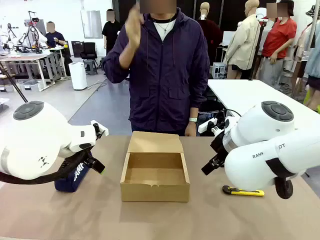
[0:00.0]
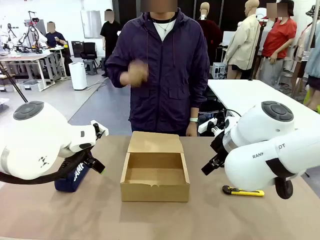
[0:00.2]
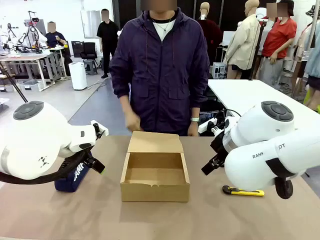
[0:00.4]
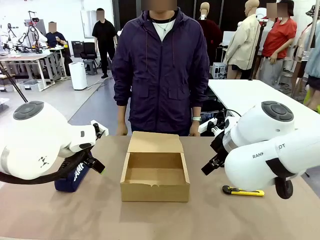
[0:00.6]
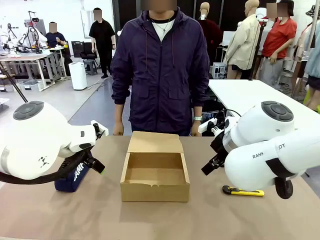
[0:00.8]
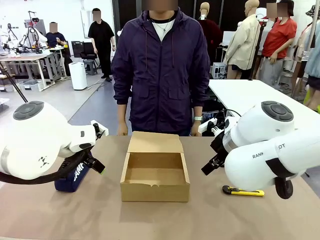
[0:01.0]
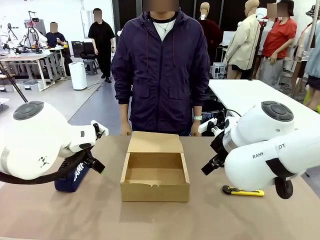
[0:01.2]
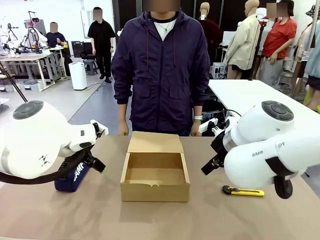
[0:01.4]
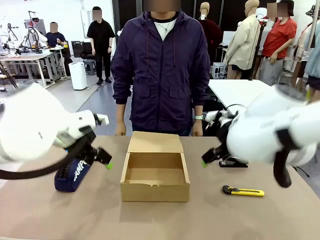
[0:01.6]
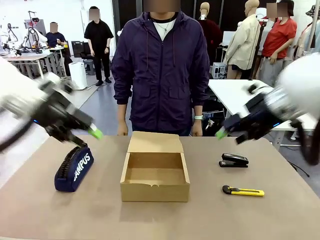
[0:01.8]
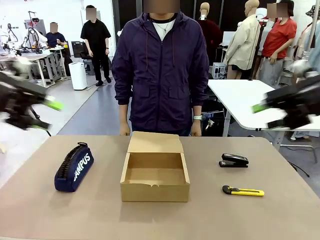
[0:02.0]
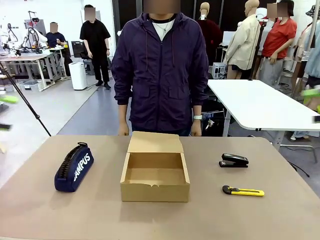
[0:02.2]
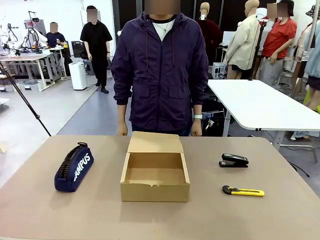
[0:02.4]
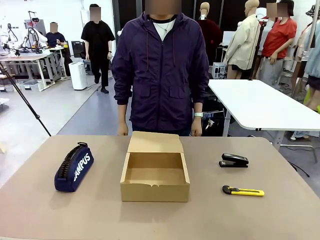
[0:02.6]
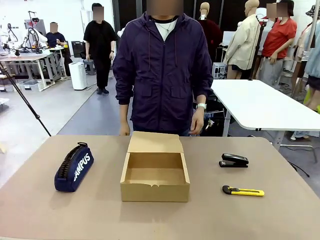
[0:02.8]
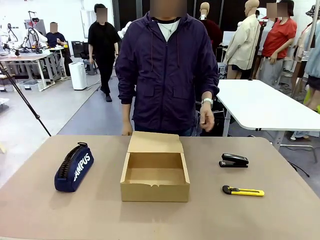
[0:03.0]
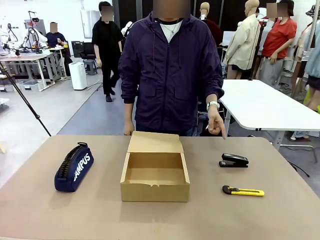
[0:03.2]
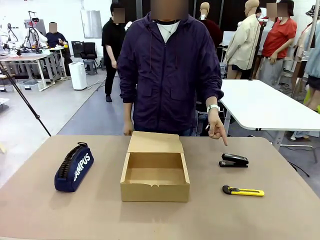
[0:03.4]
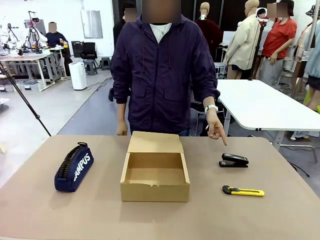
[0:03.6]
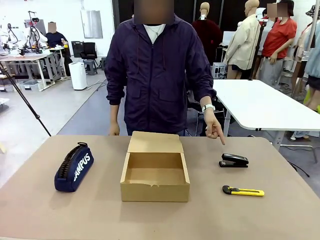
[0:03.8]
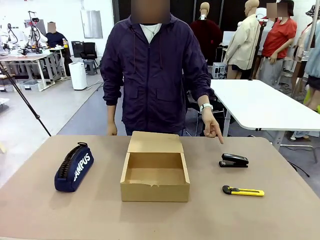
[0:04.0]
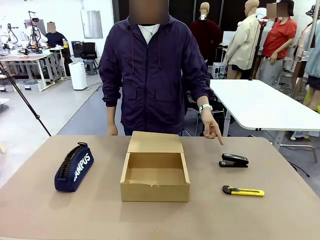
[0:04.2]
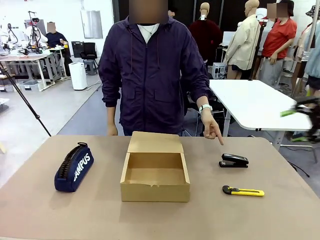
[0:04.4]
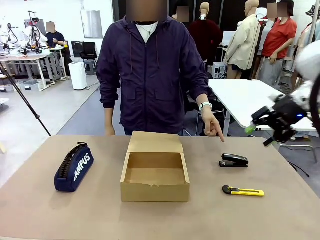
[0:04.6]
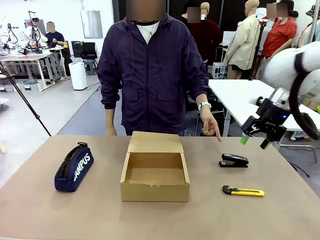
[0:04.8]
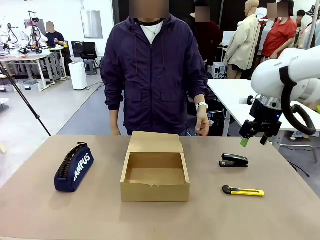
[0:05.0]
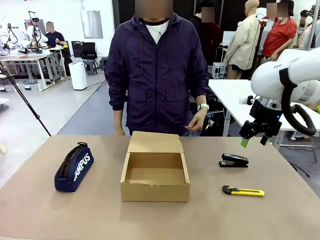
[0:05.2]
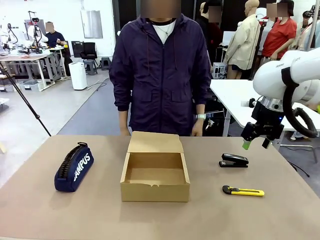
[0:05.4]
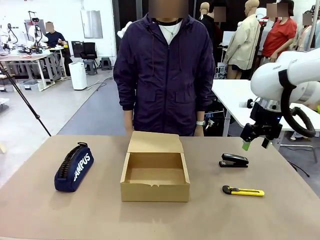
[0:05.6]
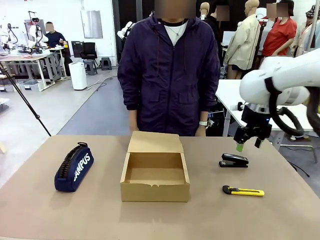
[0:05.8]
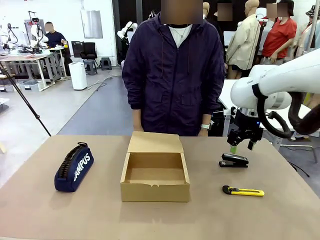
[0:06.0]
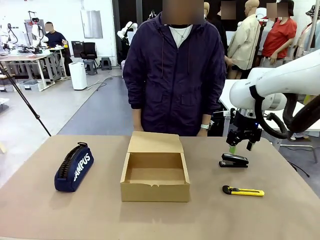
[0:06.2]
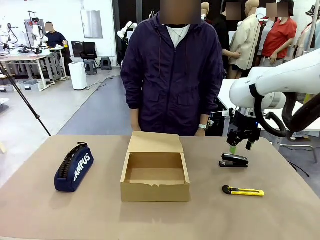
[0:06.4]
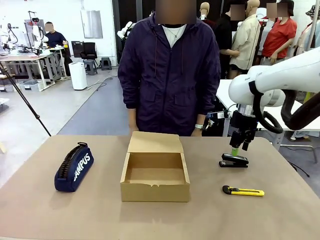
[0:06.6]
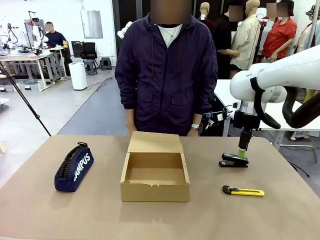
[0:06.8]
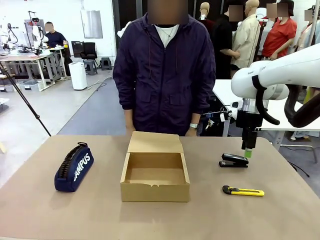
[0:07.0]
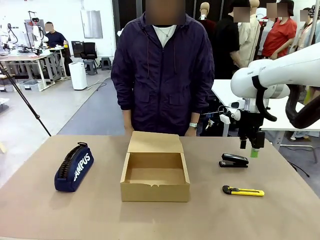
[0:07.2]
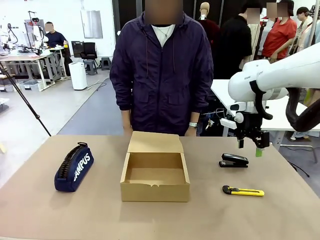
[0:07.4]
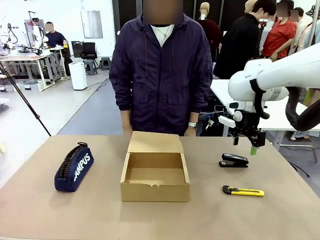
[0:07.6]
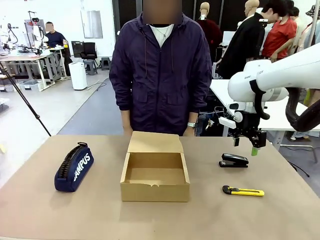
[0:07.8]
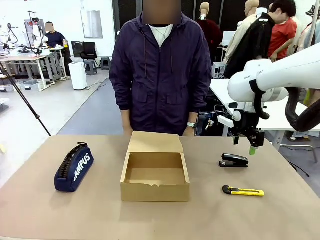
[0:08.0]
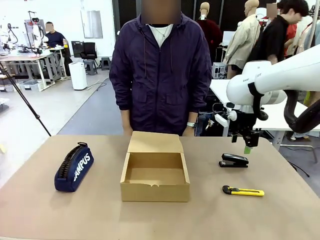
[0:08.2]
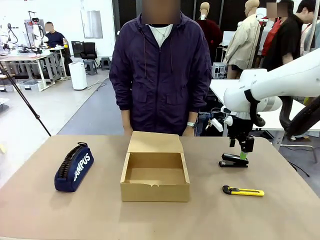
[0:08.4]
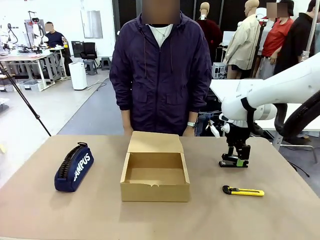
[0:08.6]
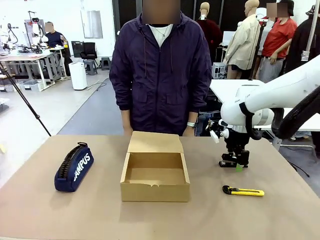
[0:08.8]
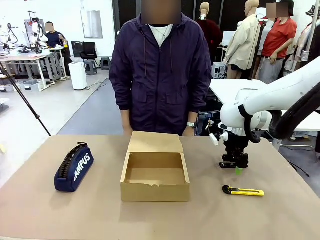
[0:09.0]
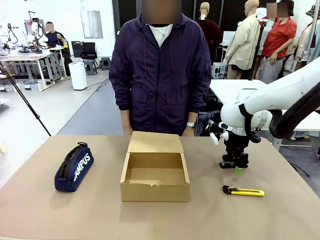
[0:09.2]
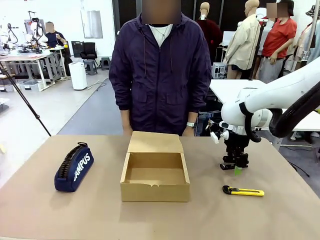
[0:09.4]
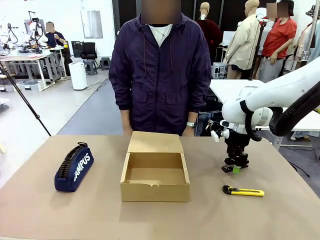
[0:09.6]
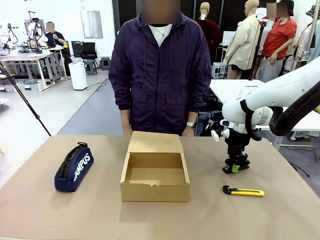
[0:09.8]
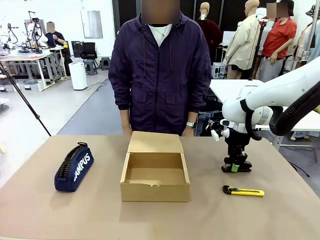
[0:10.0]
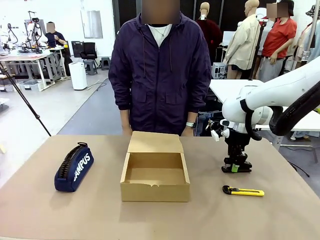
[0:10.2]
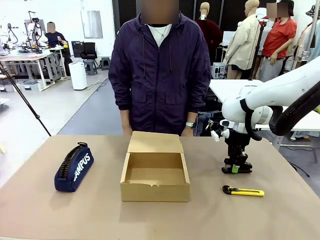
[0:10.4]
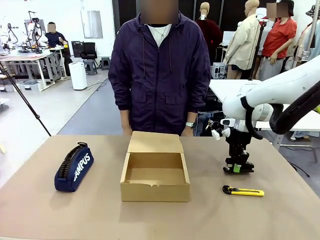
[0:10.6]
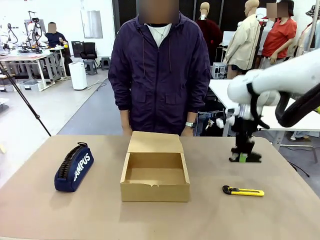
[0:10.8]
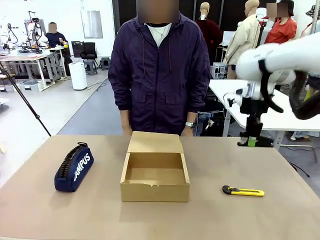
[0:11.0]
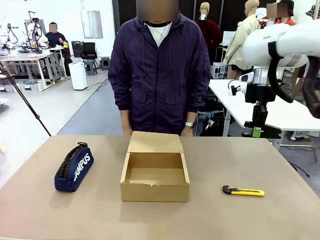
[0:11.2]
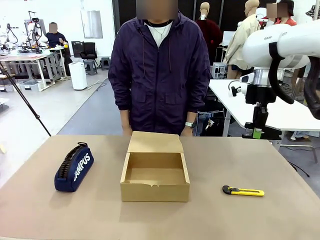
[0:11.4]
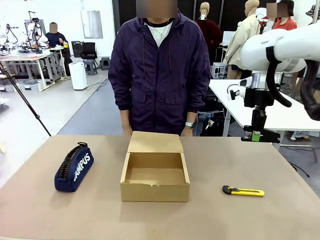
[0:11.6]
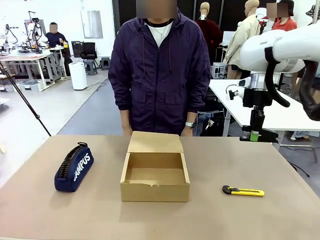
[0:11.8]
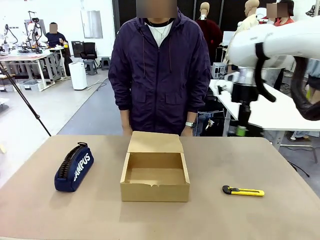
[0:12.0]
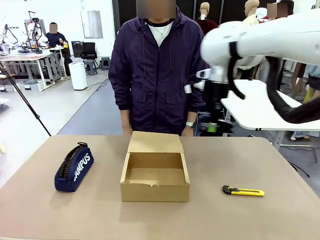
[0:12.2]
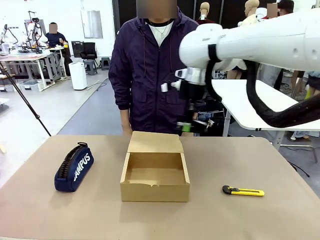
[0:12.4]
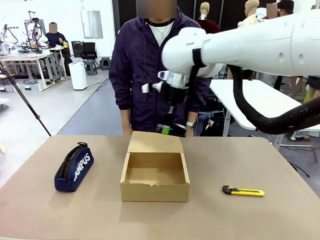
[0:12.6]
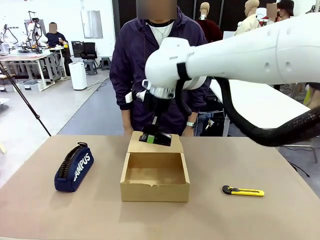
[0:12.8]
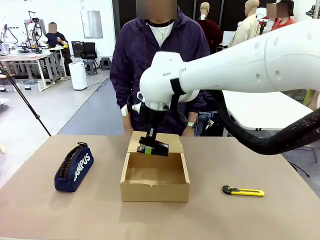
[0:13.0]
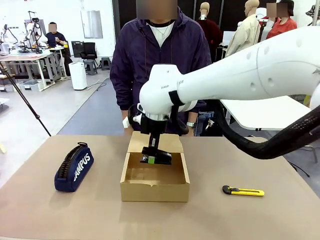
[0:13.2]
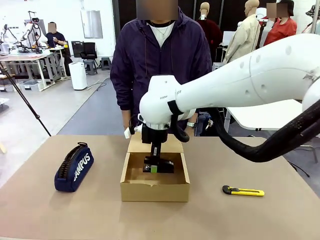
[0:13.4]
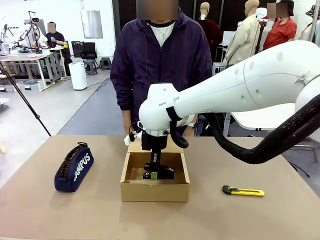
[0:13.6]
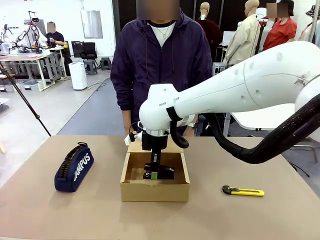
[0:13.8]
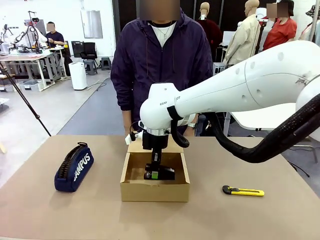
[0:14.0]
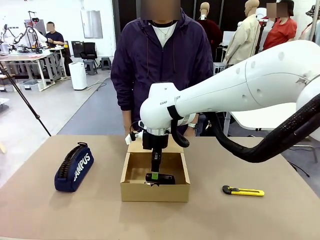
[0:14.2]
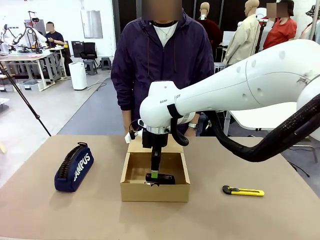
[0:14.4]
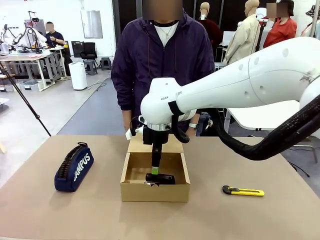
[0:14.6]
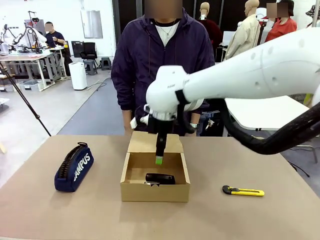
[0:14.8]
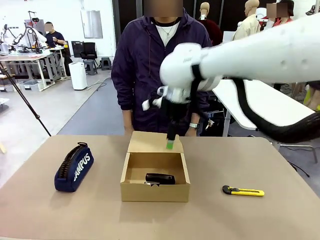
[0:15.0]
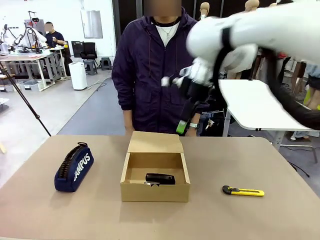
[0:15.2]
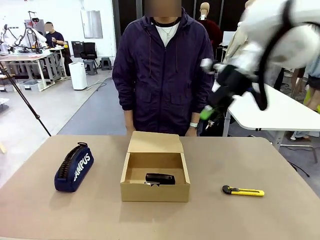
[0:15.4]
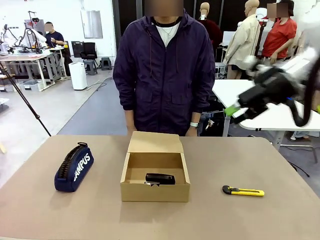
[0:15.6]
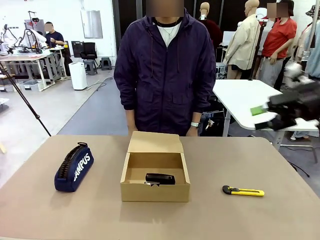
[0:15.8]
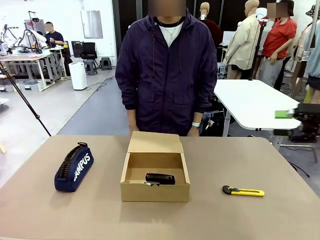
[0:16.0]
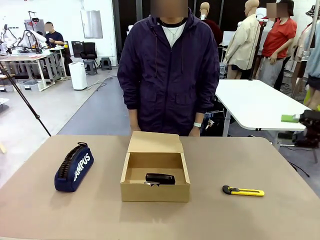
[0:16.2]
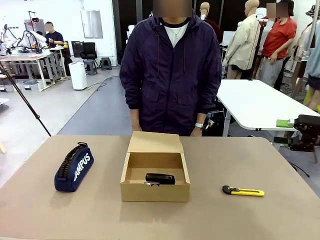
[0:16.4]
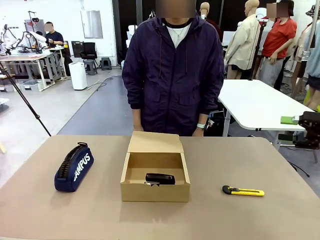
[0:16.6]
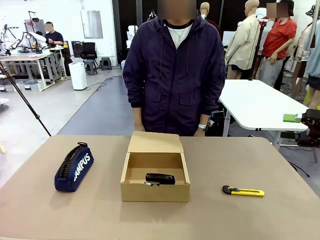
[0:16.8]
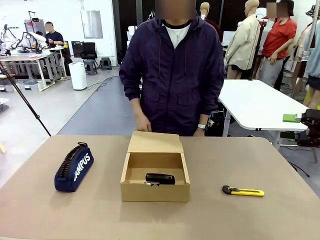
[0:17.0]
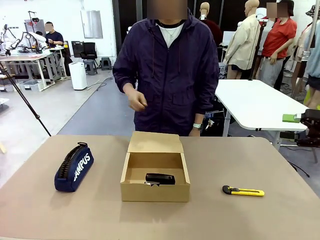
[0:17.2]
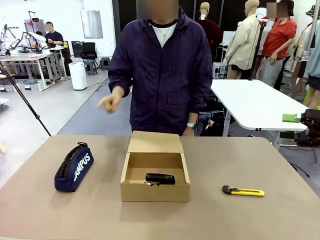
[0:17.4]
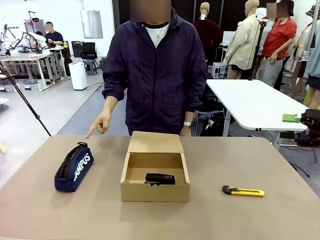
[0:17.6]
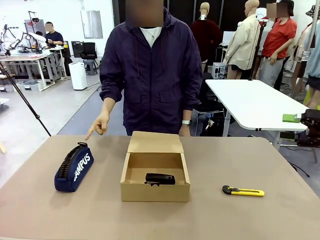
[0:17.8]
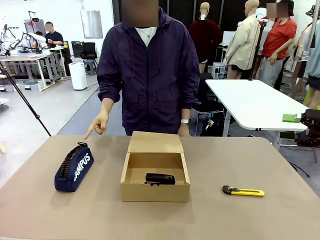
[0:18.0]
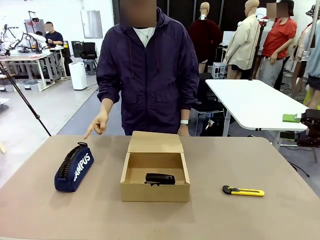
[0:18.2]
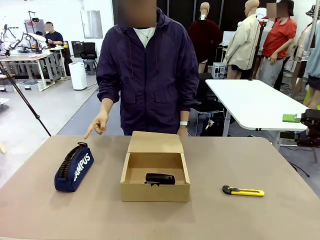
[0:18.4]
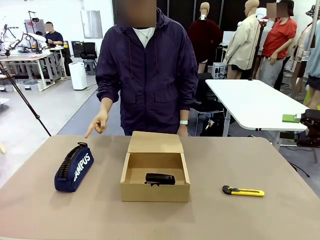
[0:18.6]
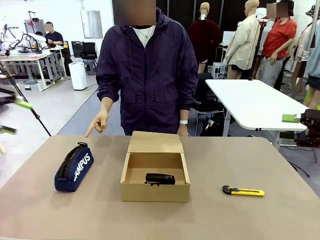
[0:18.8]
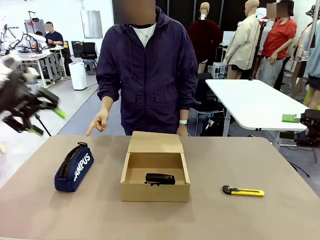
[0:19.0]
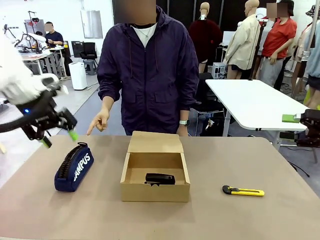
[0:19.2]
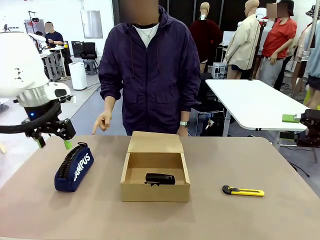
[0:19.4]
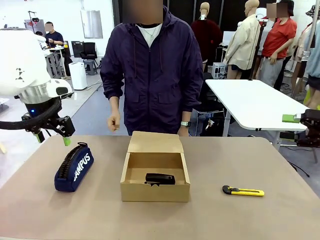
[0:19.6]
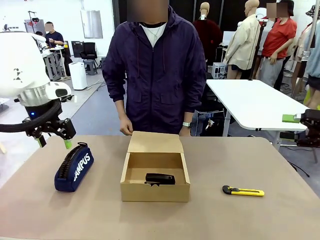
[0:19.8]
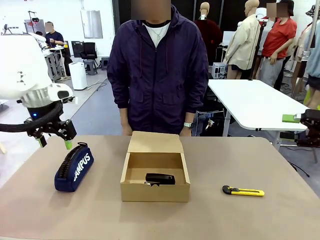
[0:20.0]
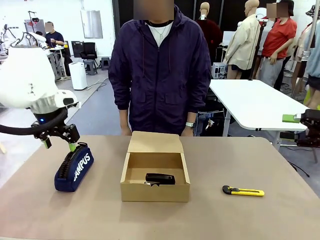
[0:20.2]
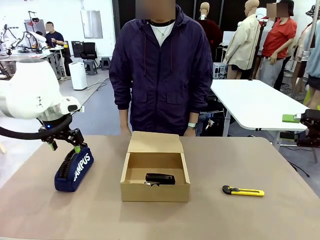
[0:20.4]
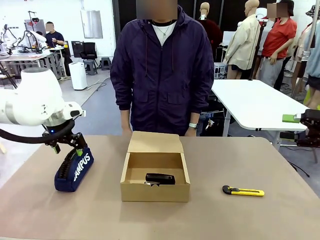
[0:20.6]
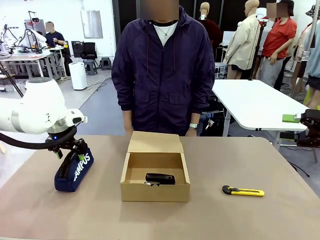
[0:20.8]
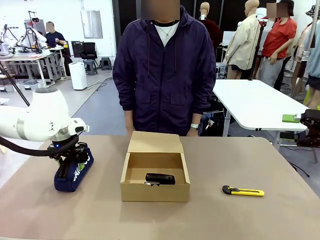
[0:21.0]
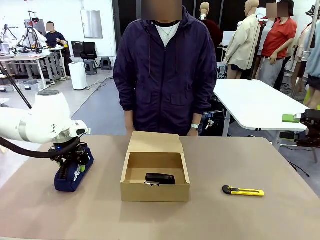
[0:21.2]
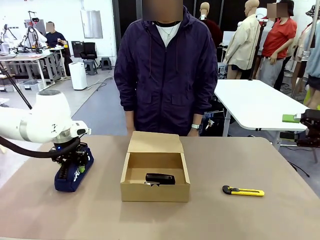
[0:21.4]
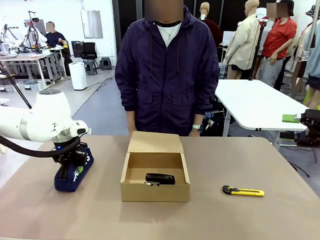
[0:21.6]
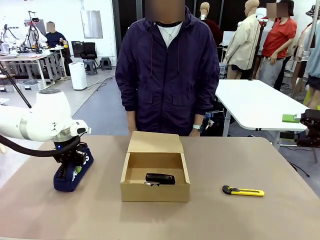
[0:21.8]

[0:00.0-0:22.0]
Task: Pack the items into the box.
Robot: Pick up the item indicated by the person and place it inside the Mailer Box.
Person: Point at one item on the table (excluding the box).
